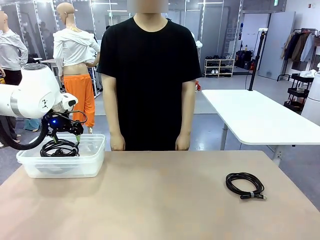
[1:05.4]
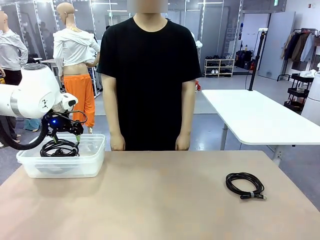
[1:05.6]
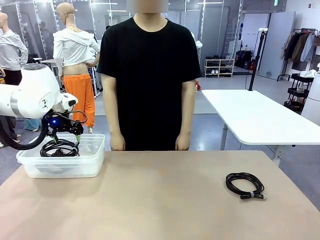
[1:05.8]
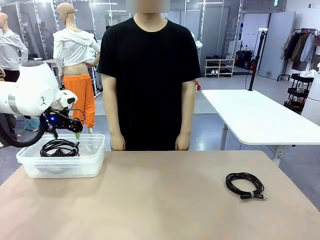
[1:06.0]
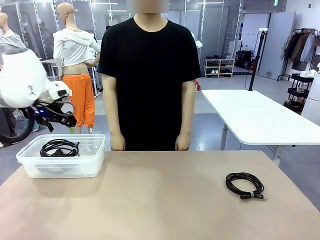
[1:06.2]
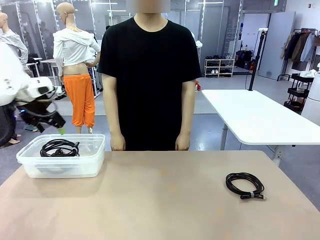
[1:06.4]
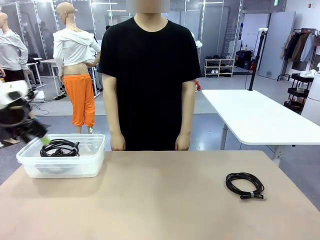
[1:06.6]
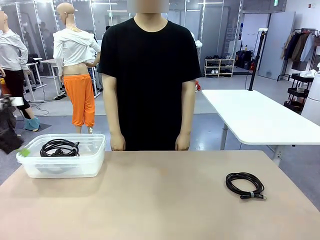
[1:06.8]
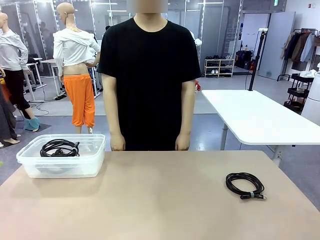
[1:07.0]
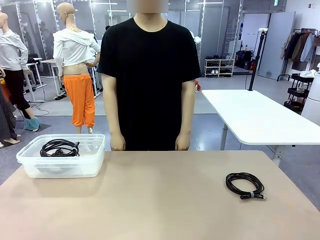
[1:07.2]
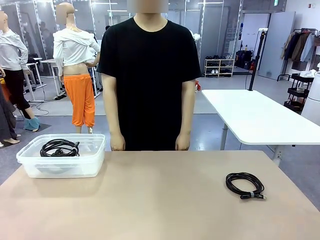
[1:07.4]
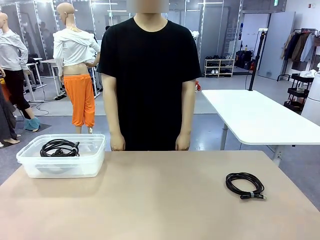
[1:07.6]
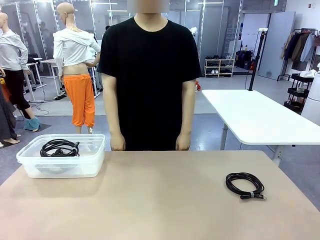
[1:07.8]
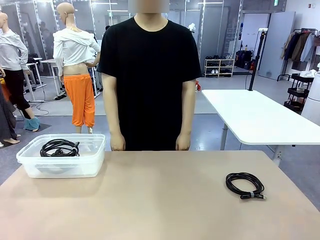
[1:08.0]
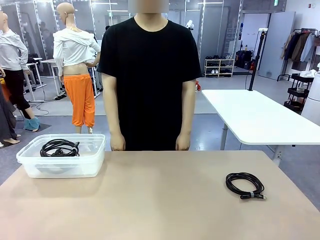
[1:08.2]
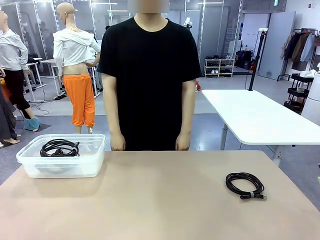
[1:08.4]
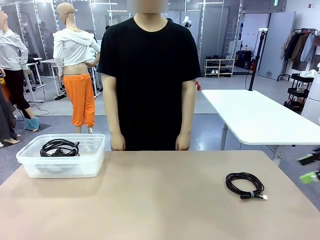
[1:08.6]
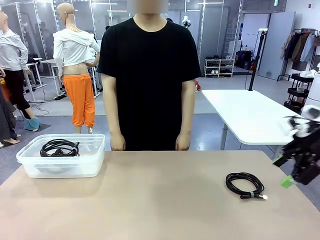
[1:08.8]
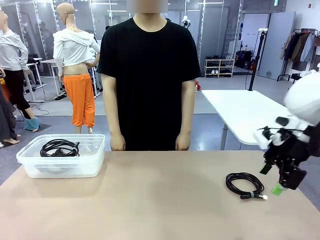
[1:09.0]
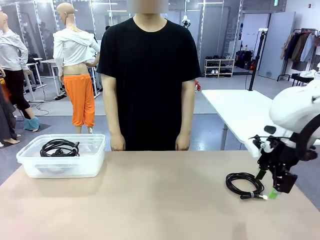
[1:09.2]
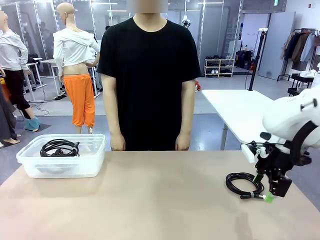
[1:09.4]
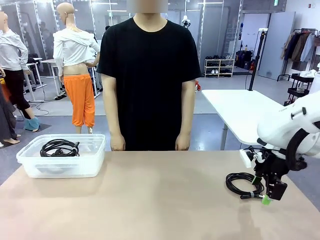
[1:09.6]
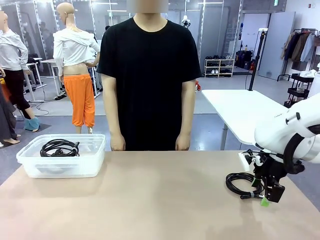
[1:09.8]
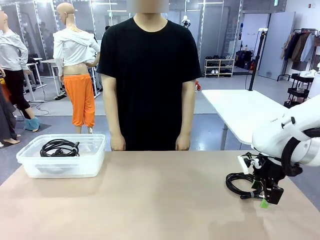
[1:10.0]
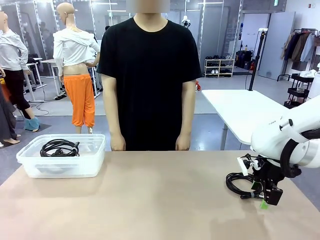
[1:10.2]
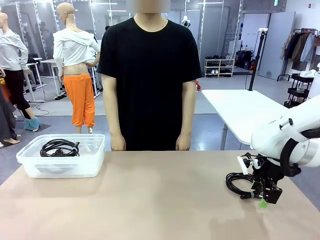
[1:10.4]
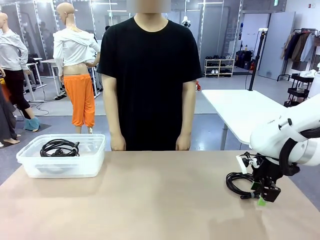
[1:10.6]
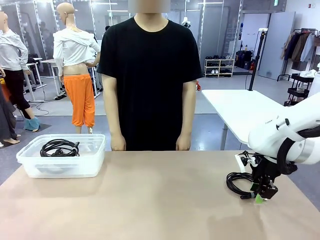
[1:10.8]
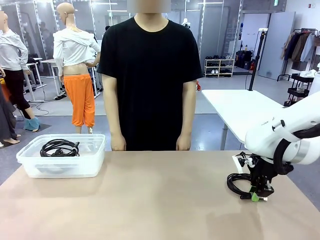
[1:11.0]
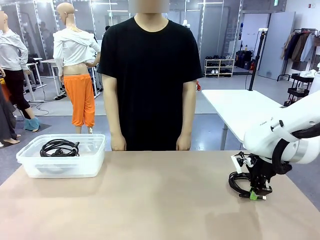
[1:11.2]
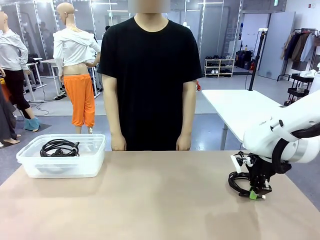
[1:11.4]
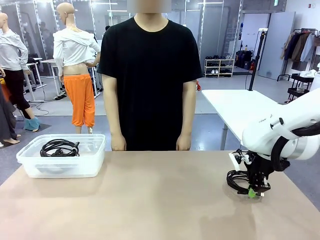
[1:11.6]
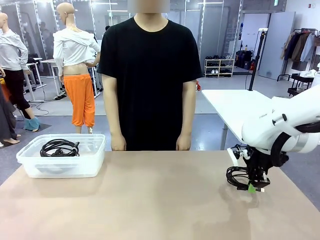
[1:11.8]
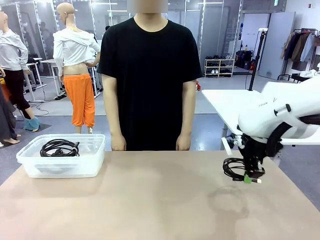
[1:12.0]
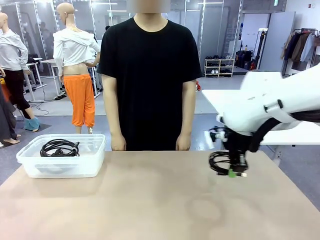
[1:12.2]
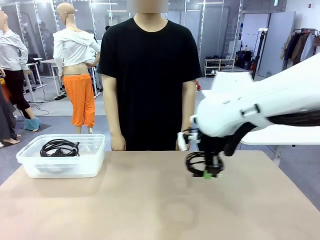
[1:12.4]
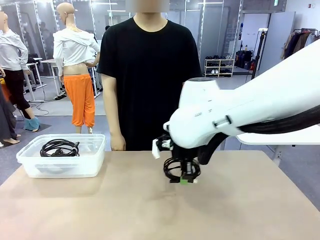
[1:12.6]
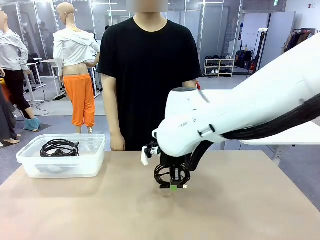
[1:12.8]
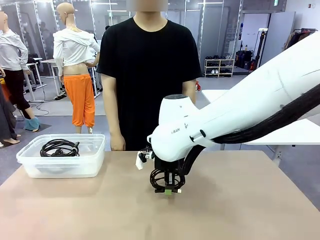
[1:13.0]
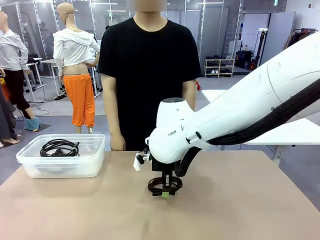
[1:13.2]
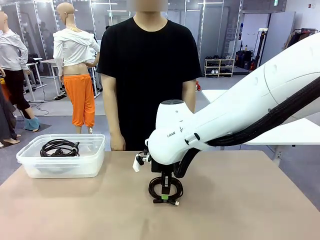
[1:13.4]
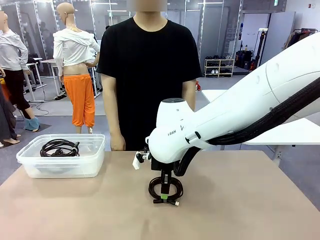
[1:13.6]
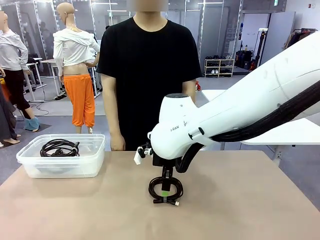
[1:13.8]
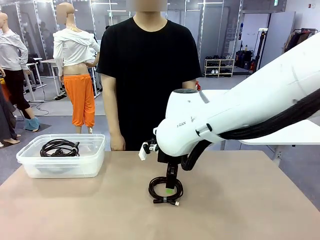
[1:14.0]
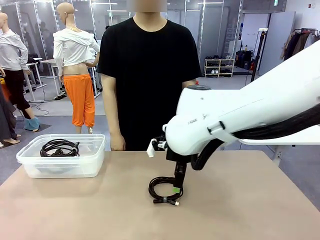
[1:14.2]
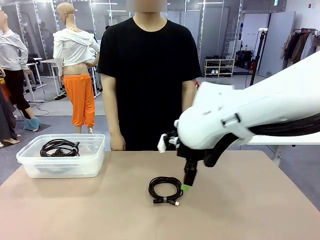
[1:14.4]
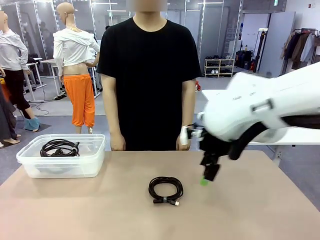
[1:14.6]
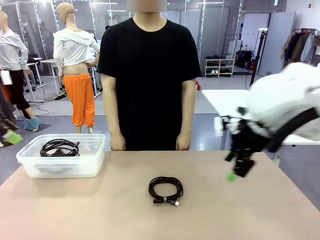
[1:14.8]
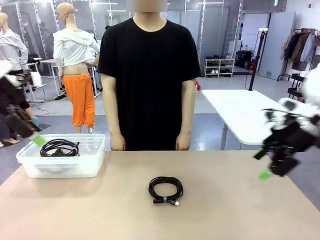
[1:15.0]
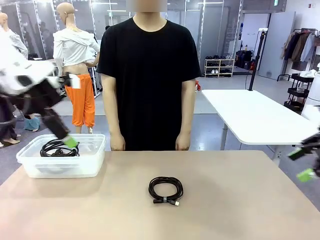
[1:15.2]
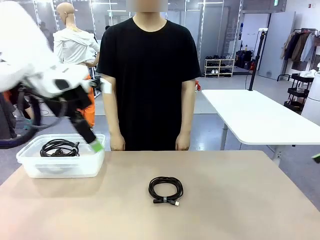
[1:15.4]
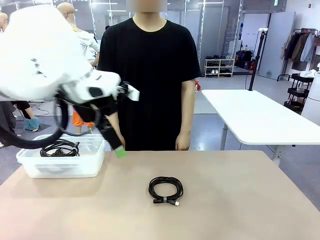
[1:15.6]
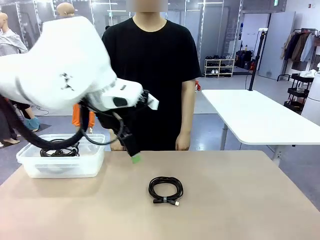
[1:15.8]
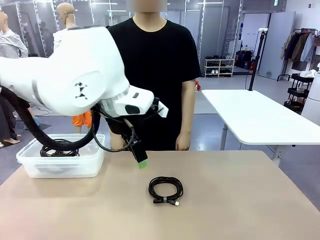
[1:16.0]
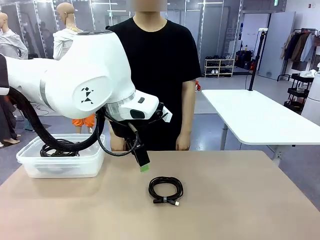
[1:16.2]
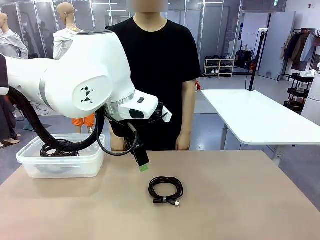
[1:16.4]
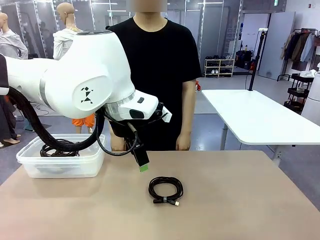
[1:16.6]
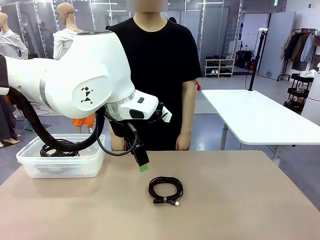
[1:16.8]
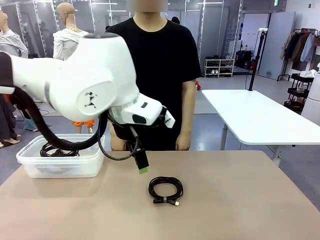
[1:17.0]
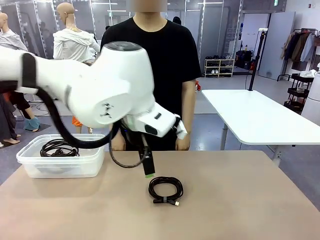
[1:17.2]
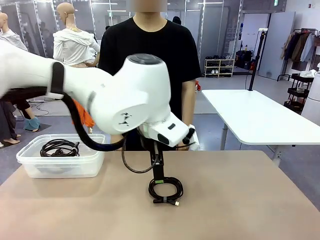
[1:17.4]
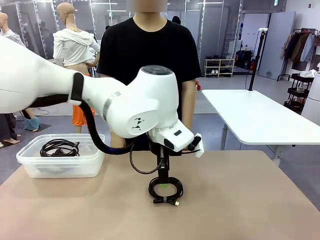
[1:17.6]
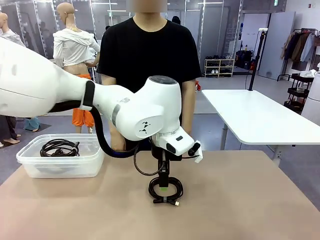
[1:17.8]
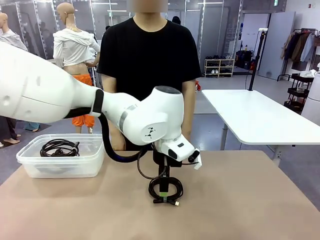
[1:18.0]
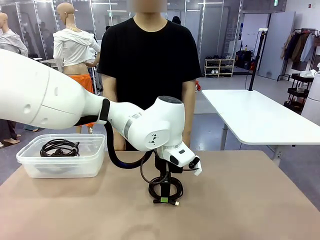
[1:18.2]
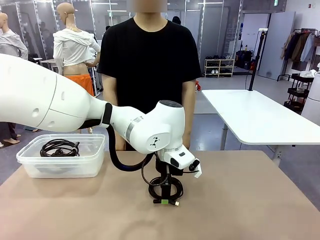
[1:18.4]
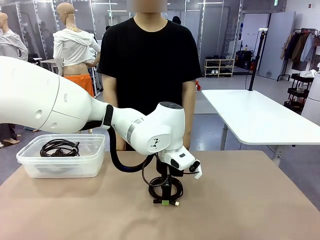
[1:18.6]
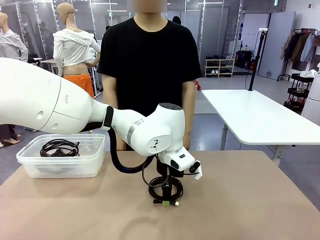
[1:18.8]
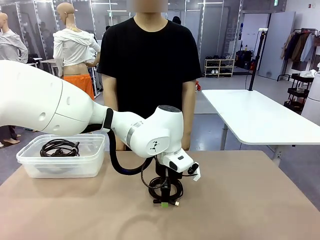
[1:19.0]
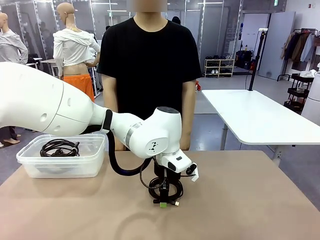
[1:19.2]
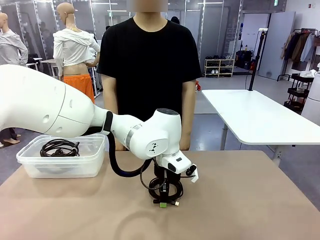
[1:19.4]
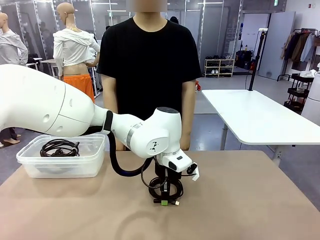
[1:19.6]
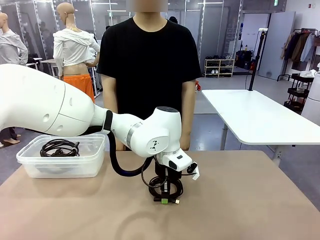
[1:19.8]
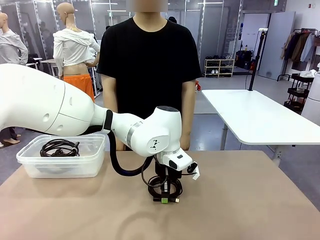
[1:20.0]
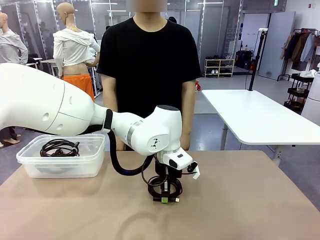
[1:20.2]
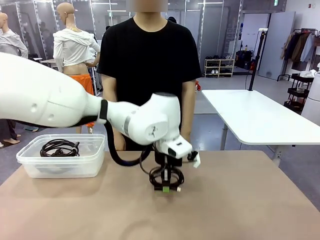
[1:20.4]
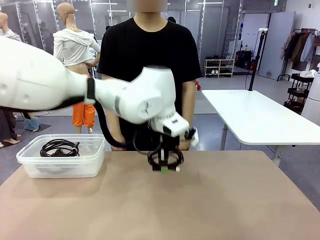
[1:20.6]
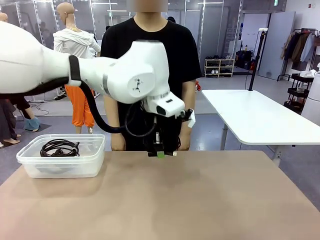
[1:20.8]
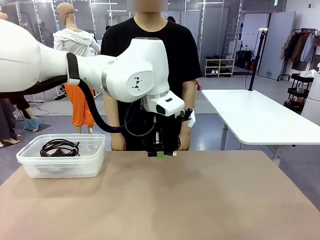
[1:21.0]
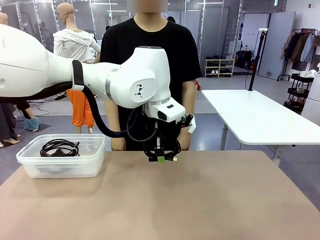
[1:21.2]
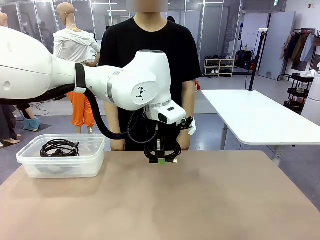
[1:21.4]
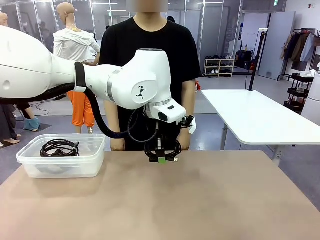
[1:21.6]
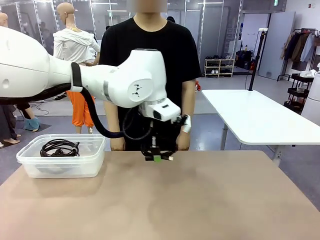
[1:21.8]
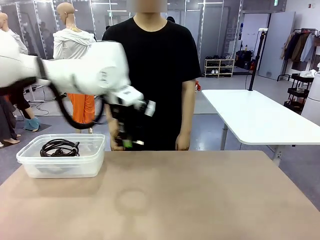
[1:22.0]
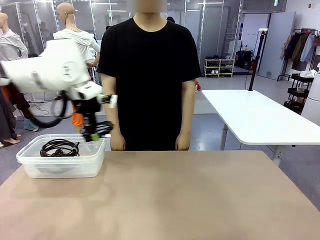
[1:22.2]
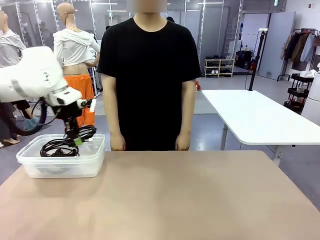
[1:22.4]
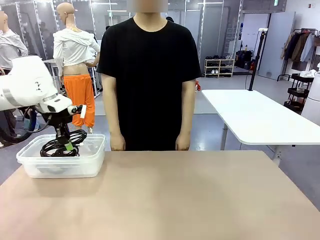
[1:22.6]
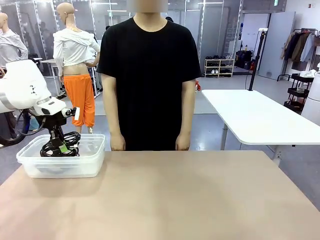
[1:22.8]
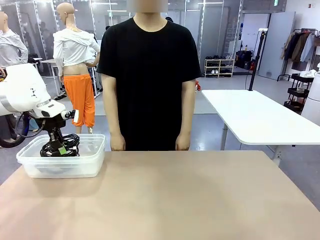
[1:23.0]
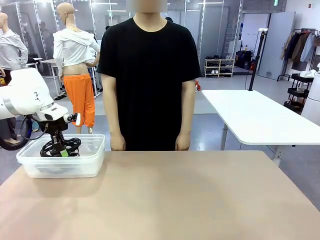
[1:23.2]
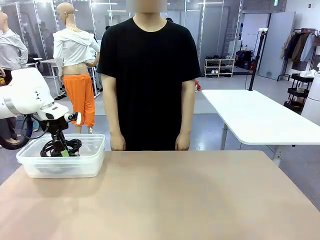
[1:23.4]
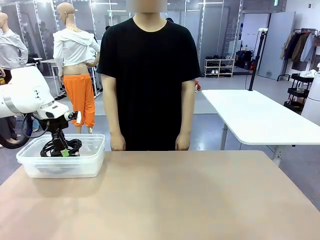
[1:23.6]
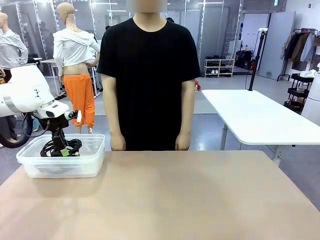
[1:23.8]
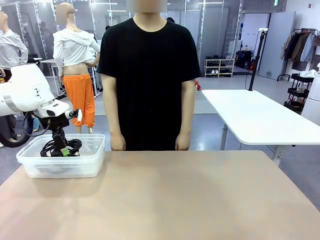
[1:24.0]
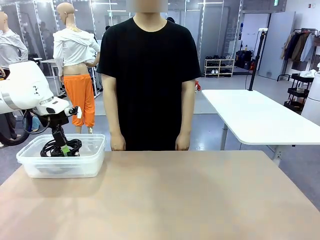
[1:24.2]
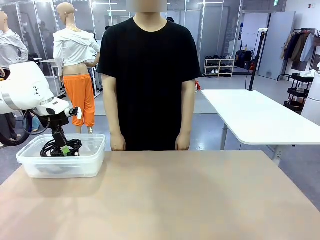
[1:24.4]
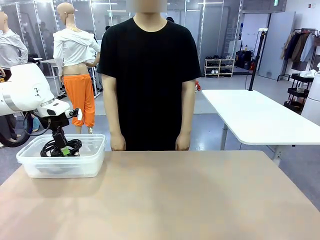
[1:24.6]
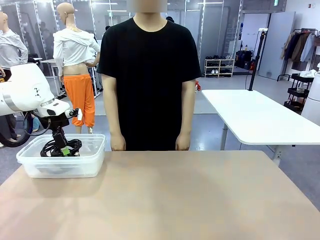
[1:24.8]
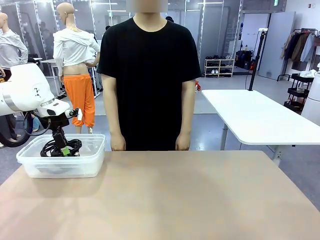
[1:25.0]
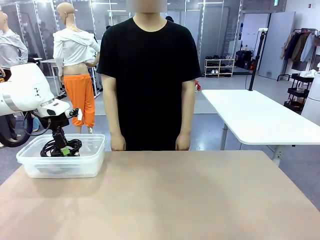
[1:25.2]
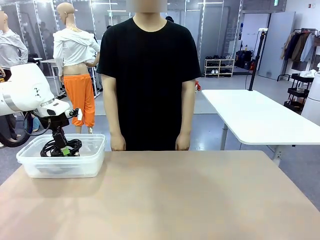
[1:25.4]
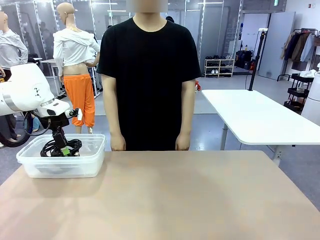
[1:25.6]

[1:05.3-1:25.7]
Task: Organize and store the cables.
Robot: Place the USB Extension Cable into the Organizing box.
